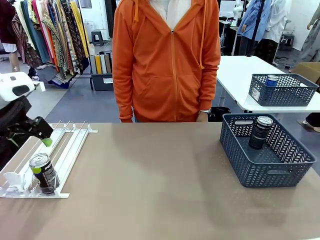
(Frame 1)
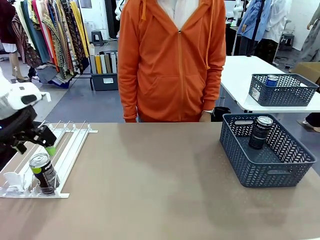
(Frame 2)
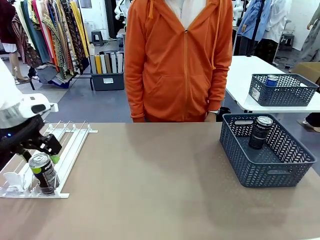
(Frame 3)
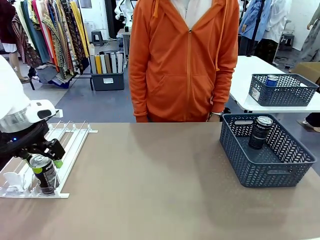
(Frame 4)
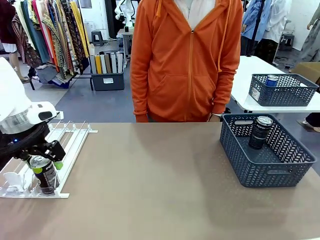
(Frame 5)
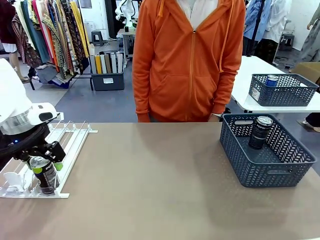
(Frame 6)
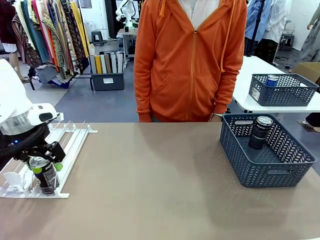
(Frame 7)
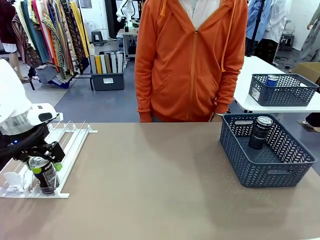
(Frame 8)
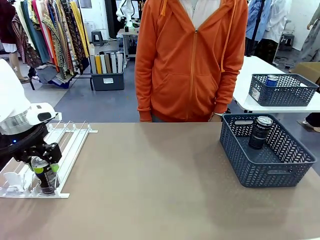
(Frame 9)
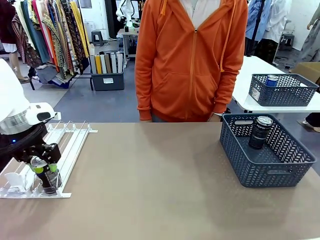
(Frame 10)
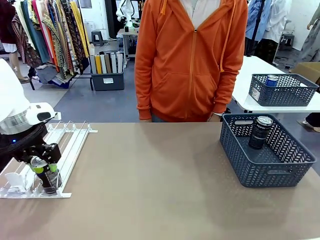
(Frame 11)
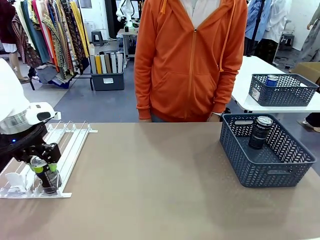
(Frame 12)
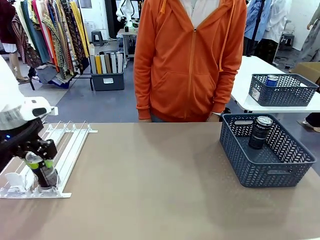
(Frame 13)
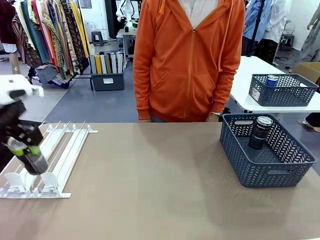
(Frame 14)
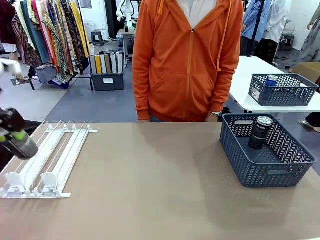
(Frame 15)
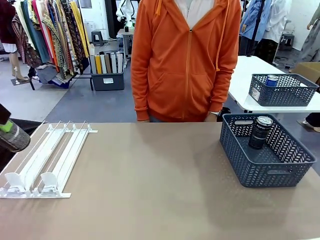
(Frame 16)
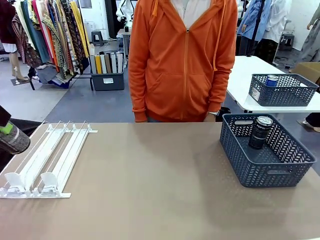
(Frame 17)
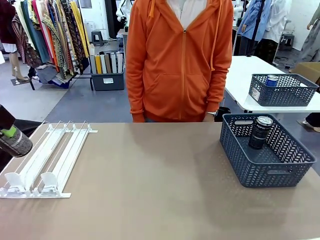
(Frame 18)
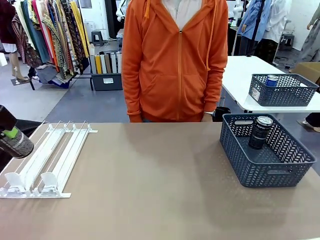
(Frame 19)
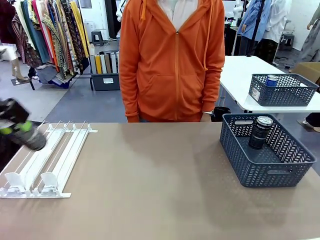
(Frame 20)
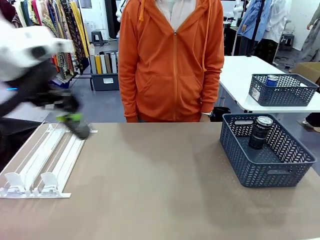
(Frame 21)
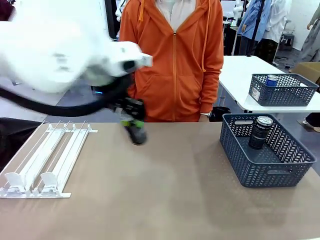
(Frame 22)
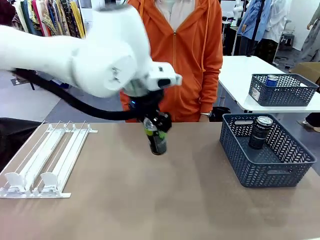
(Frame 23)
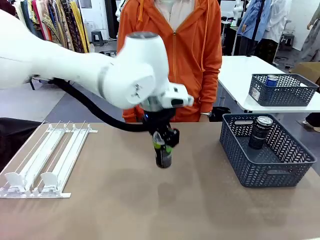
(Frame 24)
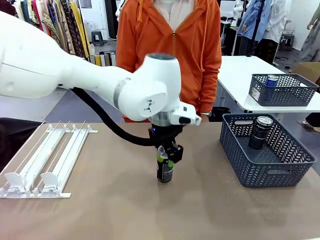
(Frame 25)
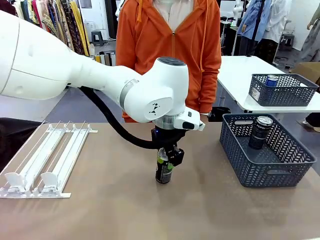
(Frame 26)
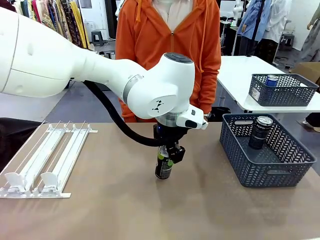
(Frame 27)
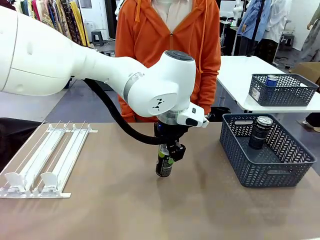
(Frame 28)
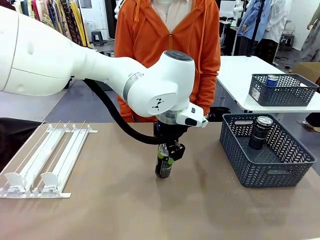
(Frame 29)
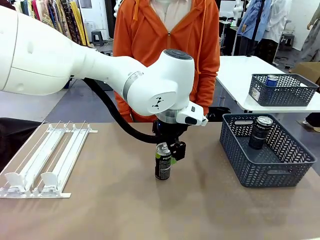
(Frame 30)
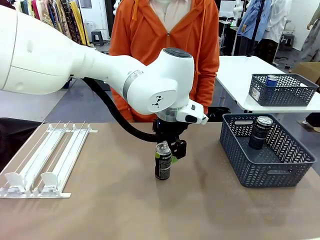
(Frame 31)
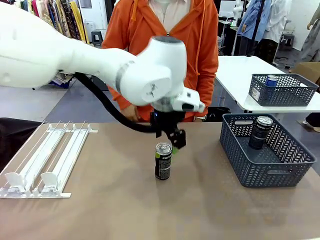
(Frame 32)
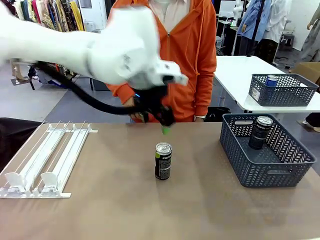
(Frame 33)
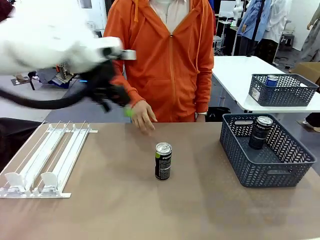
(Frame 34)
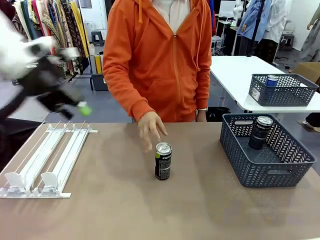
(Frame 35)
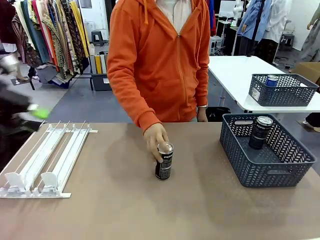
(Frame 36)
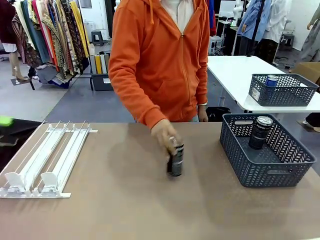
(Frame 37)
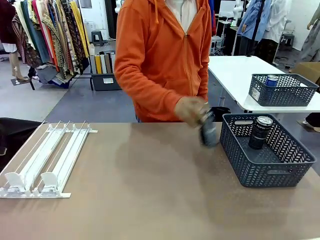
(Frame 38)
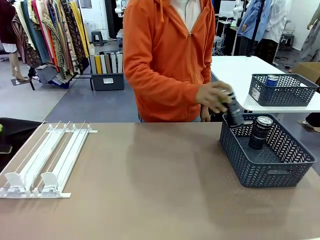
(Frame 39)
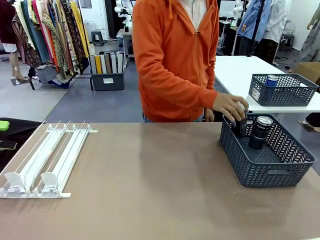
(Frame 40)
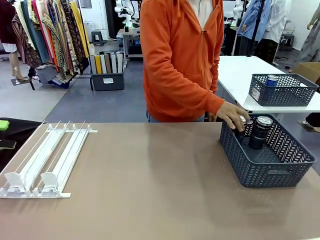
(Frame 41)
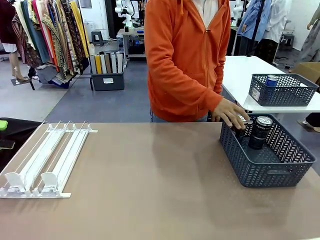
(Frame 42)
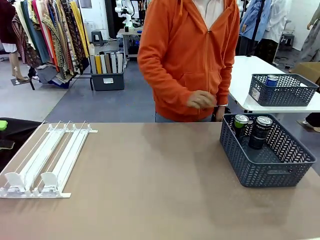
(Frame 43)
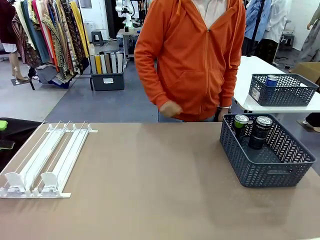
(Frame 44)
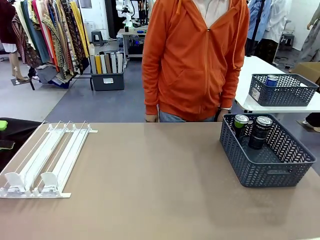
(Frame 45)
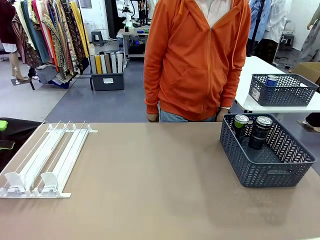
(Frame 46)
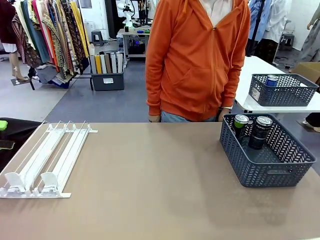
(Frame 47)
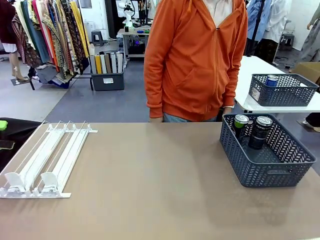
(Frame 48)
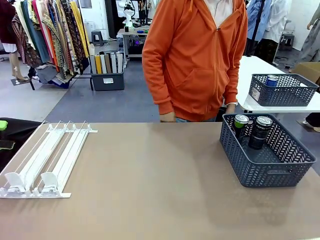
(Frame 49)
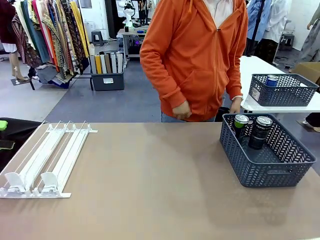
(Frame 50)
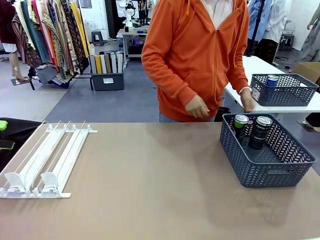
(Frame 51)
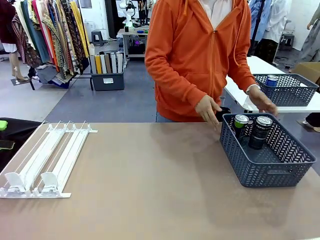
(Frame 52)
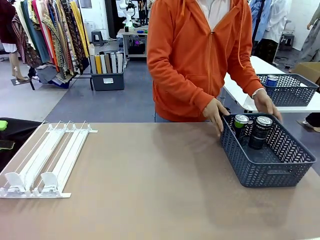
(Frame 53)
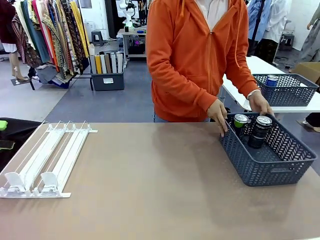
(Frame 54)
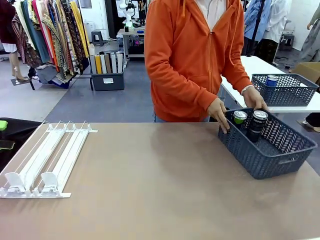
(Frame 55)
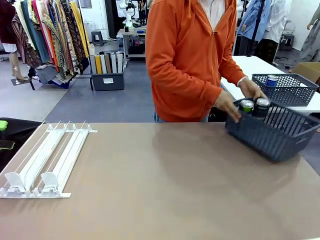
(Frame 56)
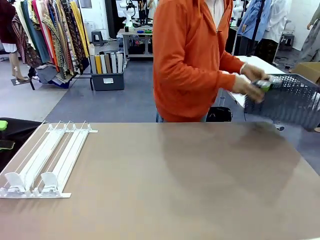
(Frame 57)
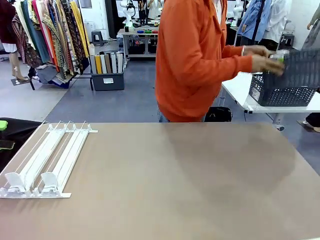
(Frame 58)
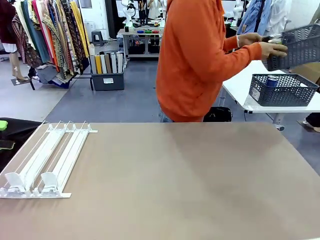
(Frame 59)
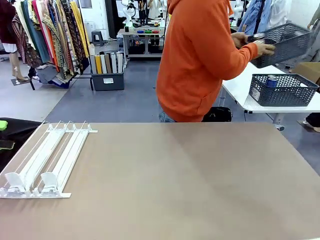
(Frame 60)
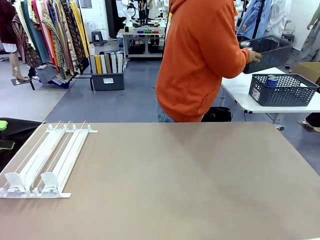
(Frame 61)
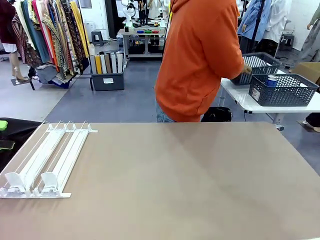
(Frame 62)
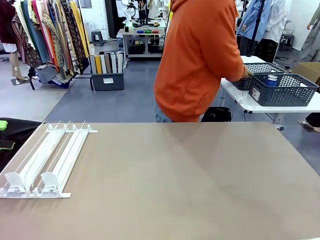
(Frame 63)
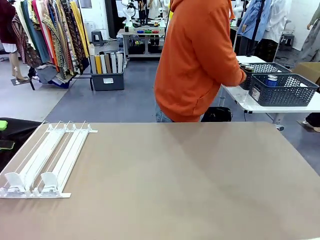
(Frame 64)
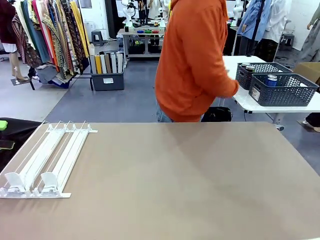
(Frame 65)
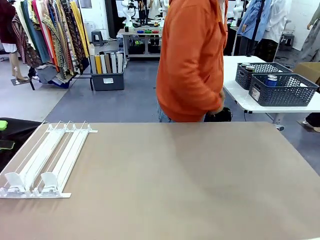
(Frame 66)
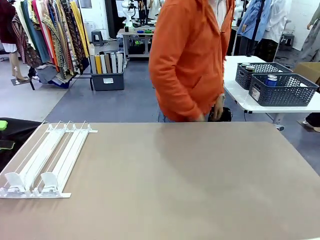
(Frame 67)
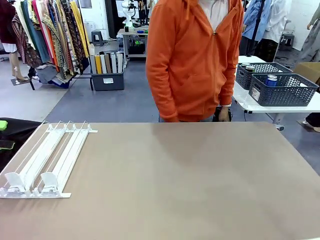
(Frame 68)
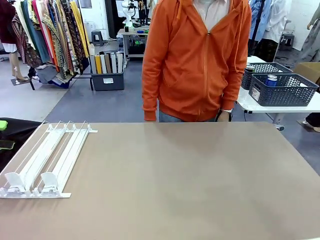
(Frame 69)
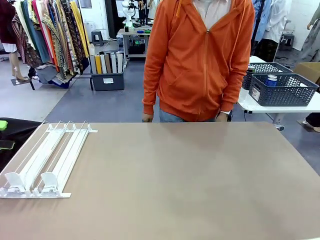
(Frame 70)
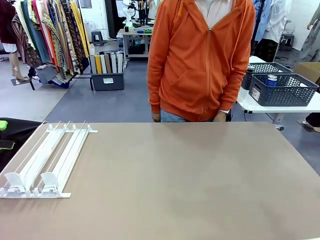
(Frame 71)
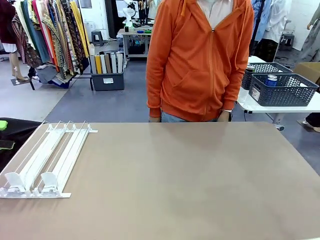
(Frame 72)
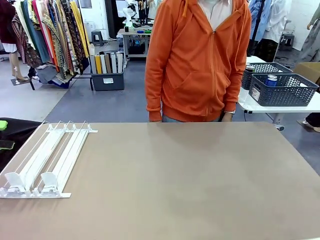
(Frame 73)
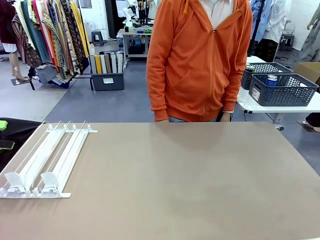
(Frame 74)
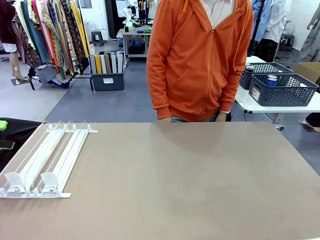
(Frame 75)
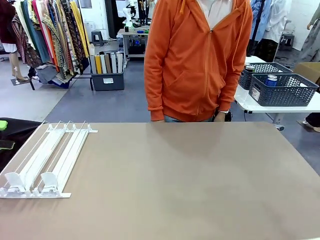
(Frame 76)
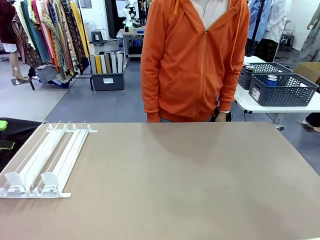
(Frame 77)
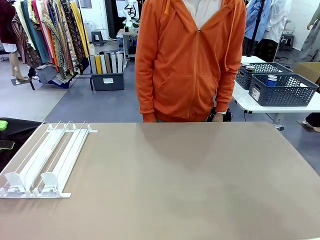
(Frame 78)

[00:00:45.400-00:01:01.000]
Task: Retrieve and store the cans from the dispenser.
Robot: Pick up one can from the Automatic Can Dispenser and place it in the middle of the table.
Person: Pick up one sports drink can from the middle of the robot table and place it in the basket. Pick up the basket and place it in the middle of the human table.
